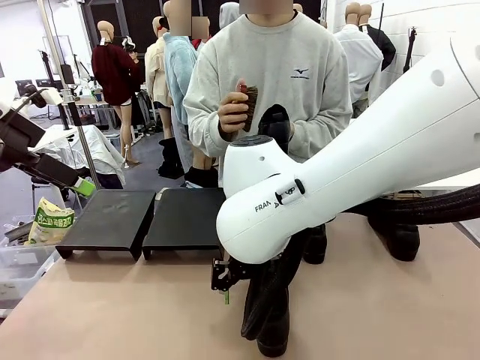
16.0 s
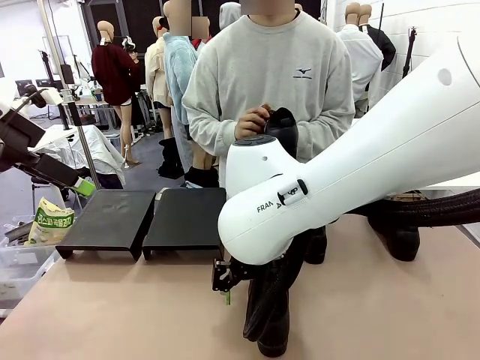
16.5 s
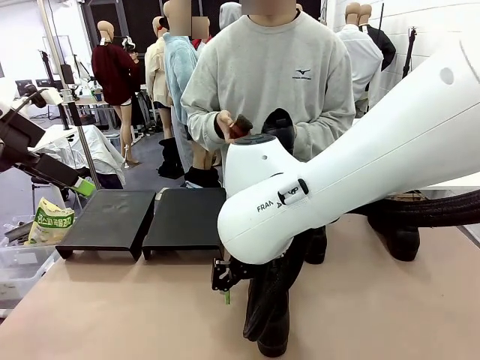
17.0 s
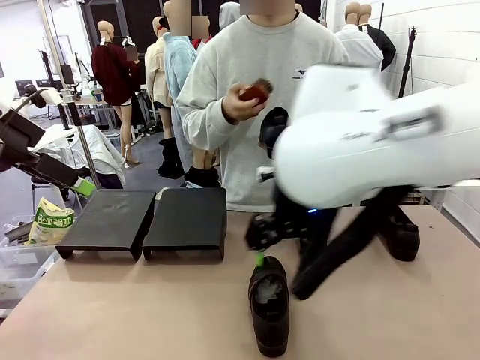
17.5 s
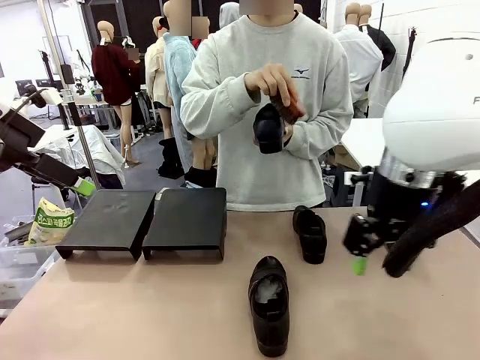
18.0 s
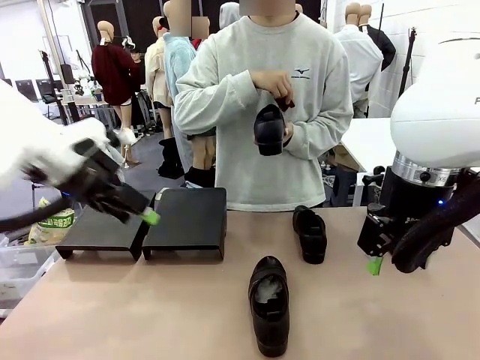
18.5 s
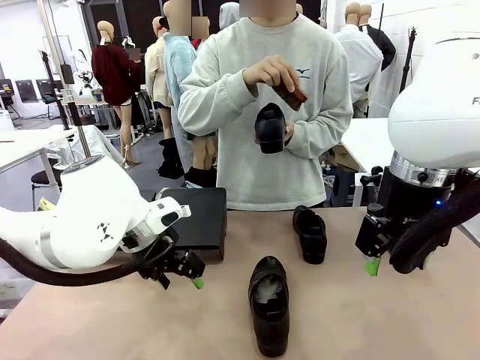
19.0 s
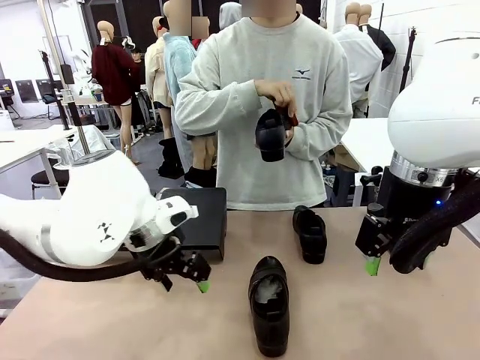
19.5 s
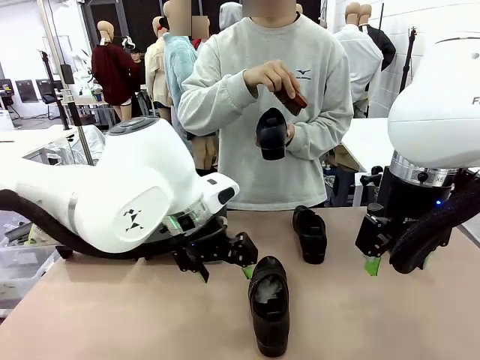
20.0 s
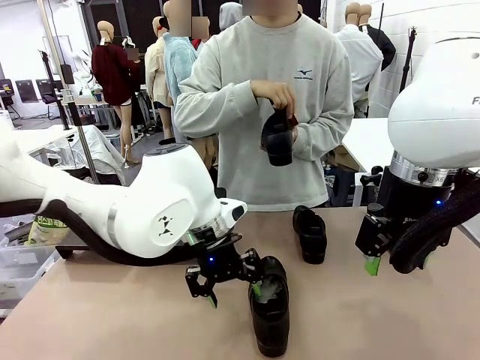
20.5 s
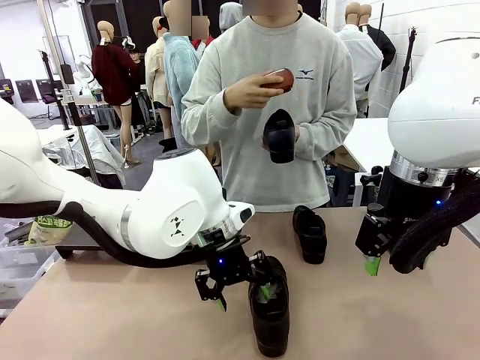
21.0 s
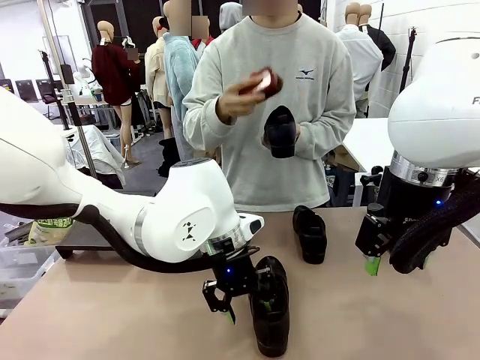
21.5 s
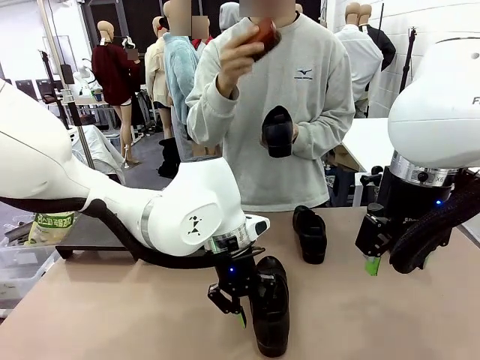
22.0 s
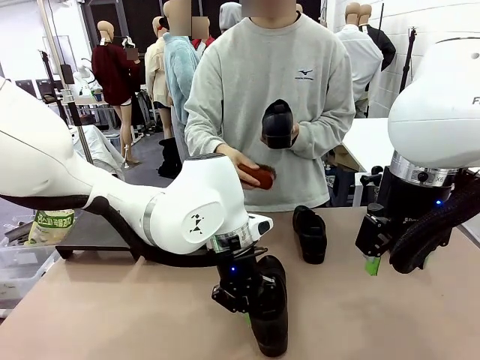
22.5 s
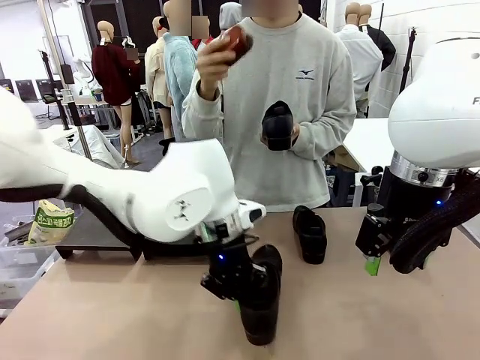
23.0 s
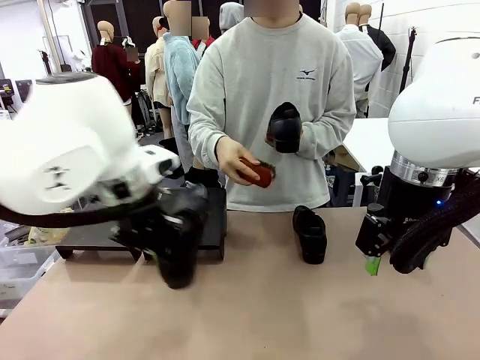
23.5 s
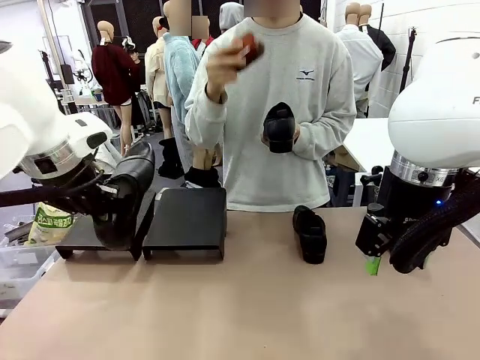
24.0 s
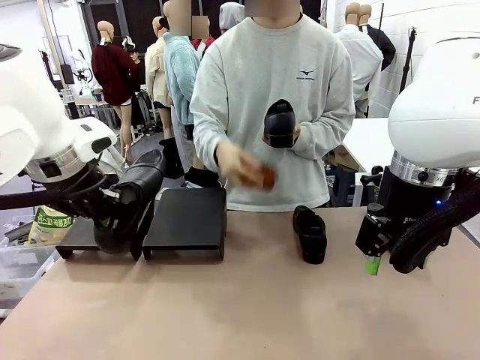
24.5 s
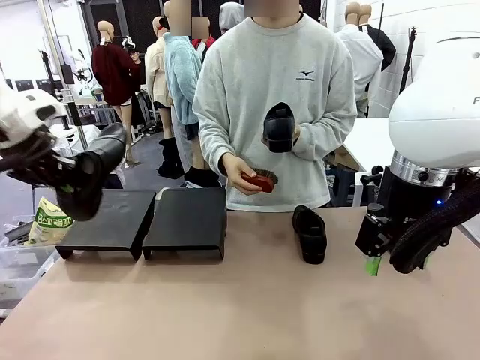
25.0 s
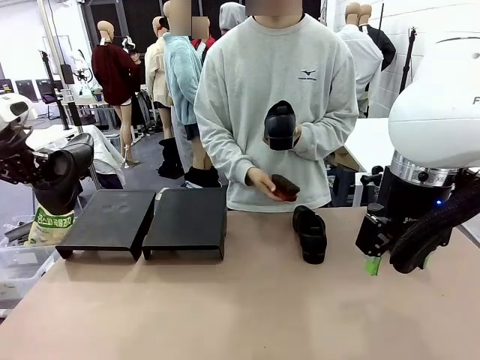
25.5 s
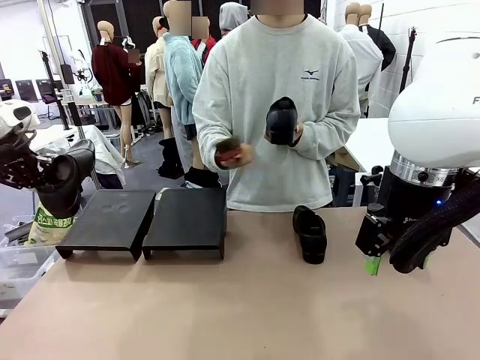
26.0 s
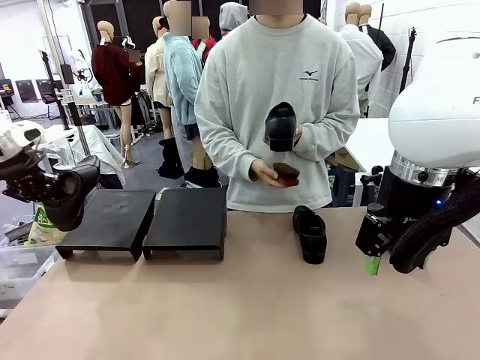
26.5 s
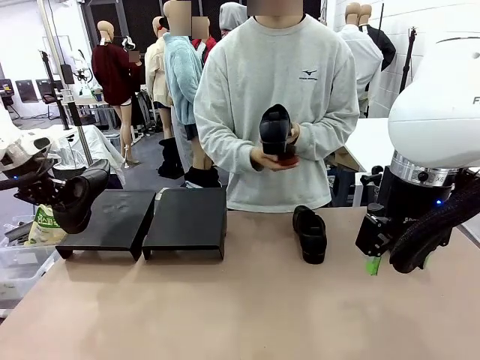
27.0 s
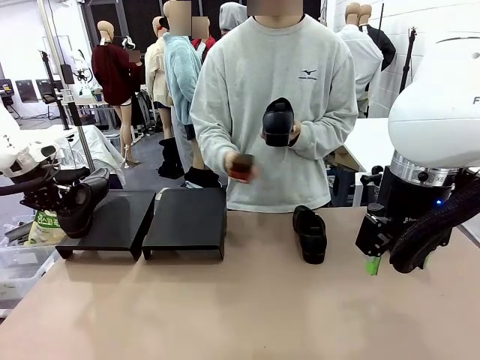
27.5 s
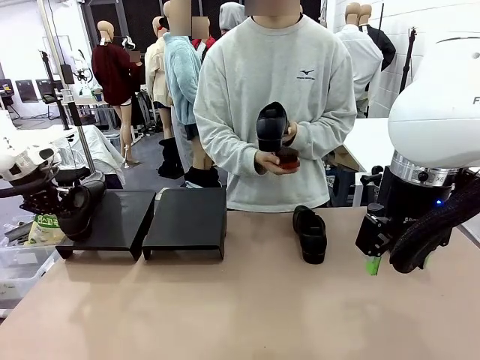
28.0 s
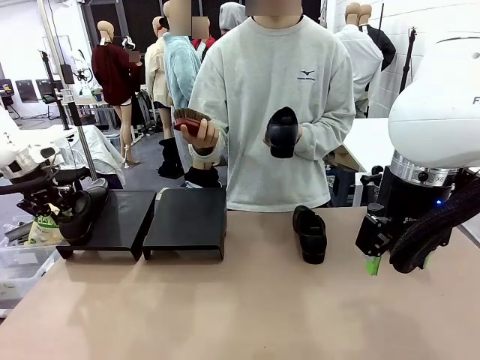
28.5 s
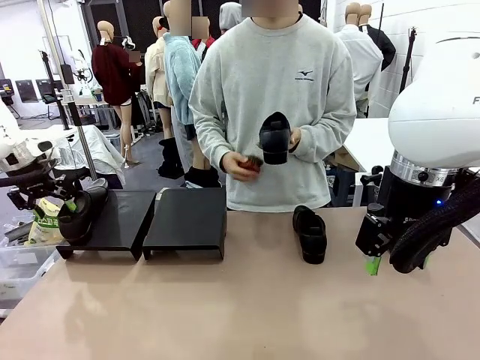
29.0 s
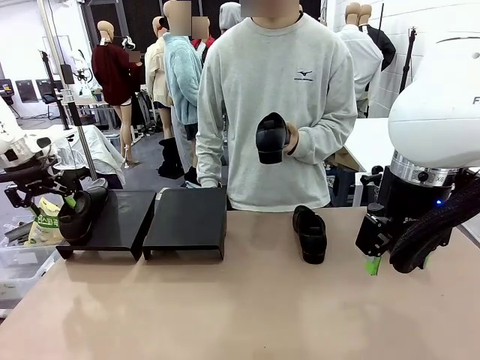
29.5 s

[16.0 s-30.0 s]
Task: Organize the shoes by placing them on the stand.
Robot: Place the Shoe from the middle of the table onto the Shoes Stand.
Person: Clean the Shoe with the Shoe Brush.

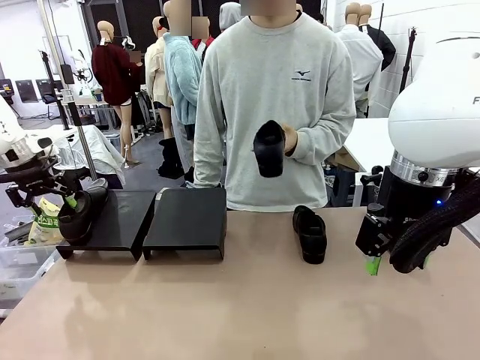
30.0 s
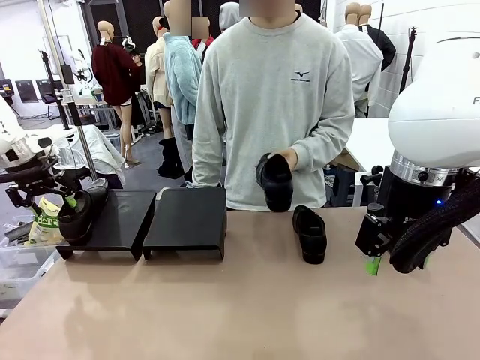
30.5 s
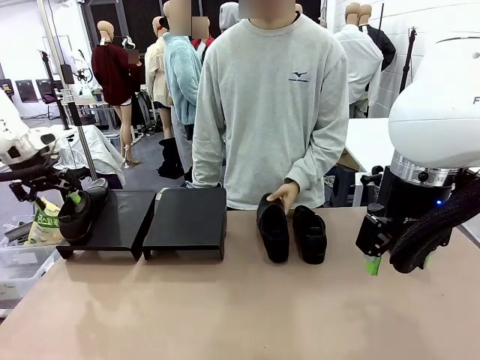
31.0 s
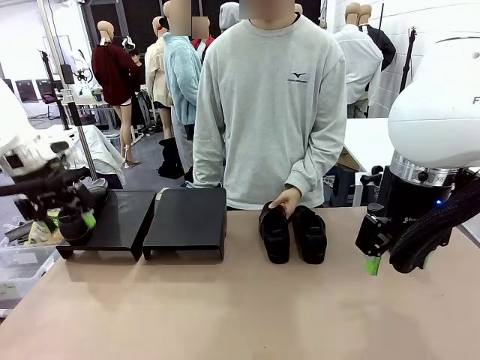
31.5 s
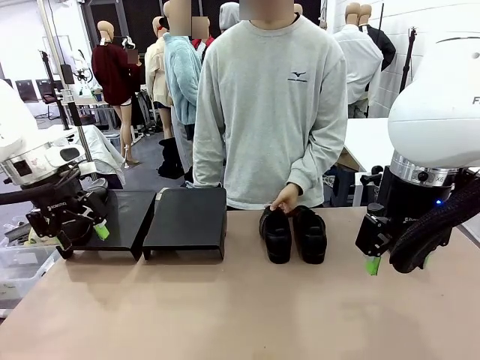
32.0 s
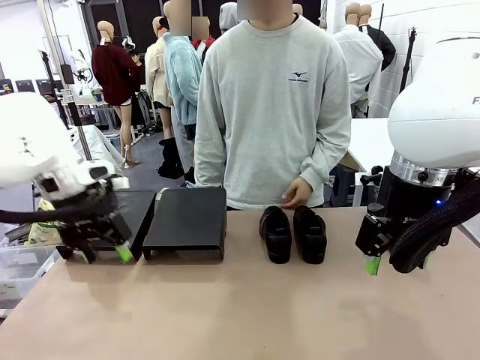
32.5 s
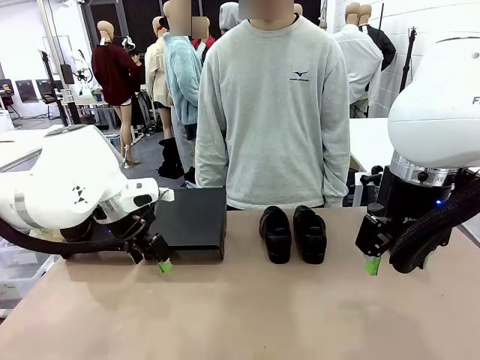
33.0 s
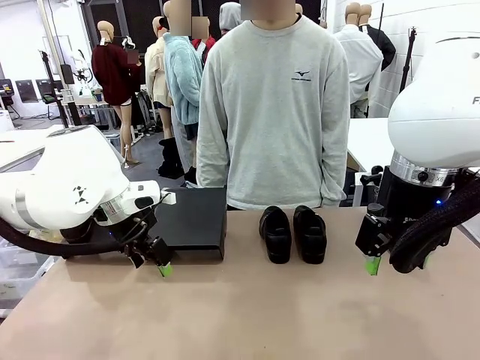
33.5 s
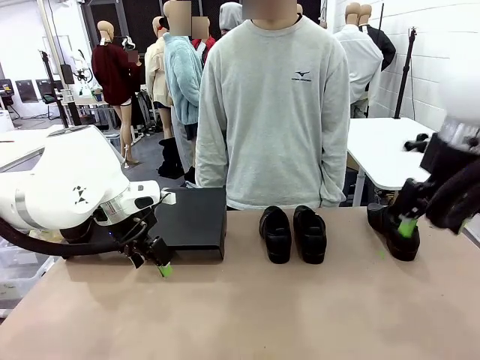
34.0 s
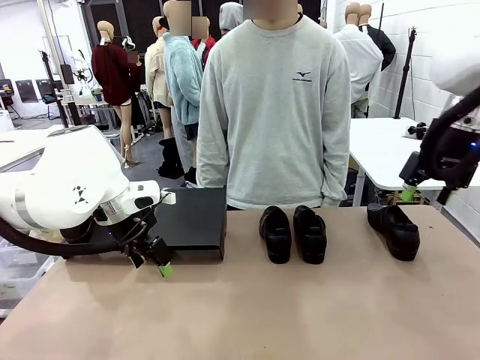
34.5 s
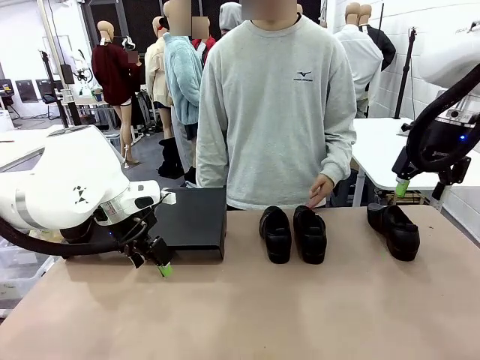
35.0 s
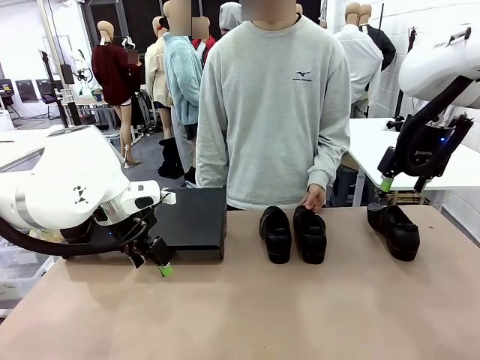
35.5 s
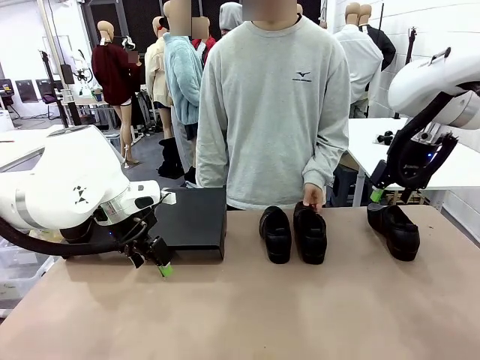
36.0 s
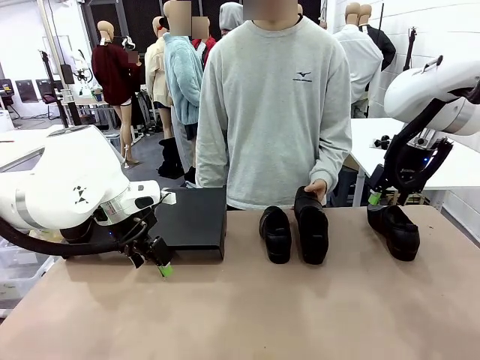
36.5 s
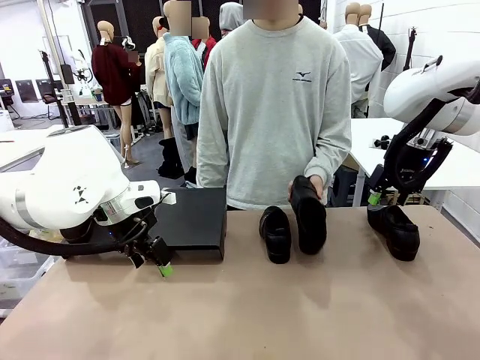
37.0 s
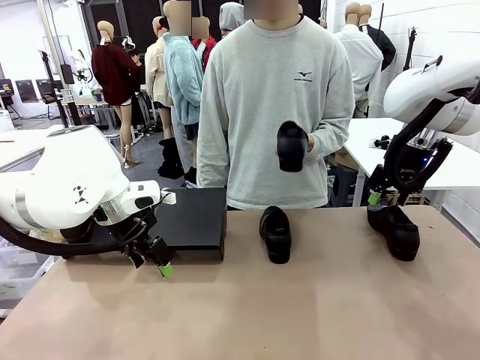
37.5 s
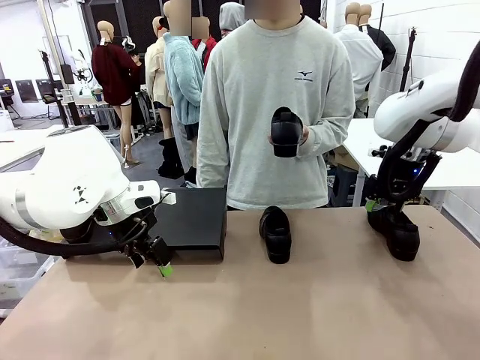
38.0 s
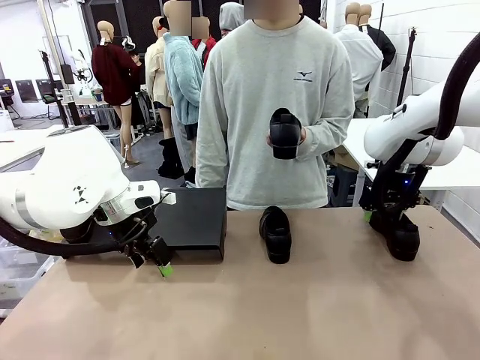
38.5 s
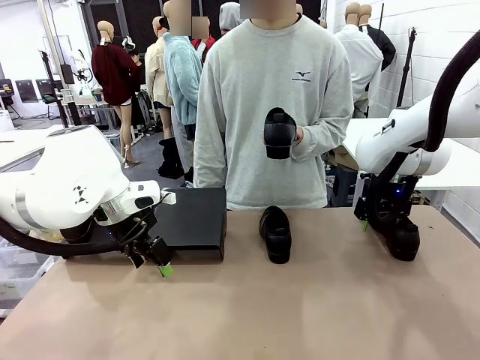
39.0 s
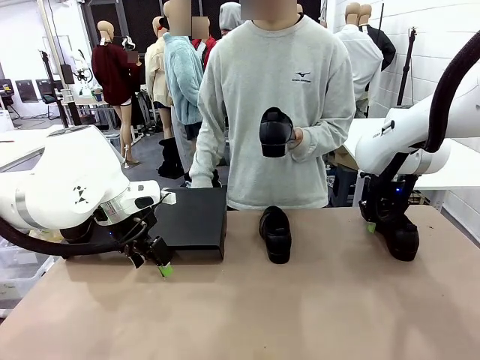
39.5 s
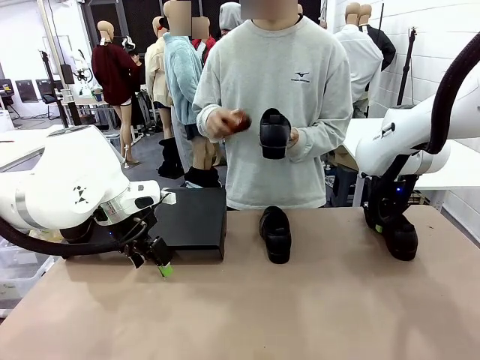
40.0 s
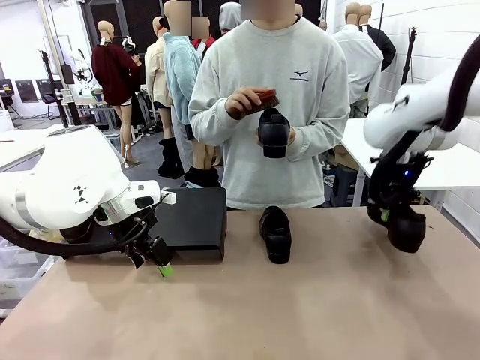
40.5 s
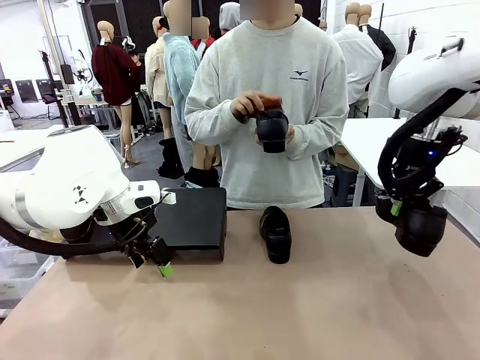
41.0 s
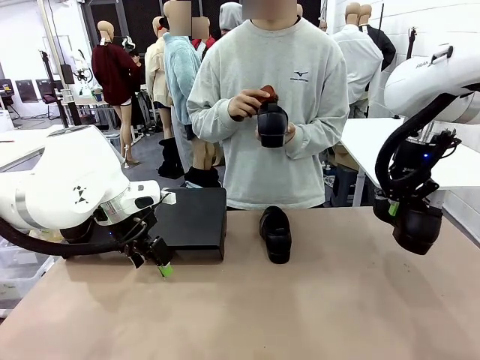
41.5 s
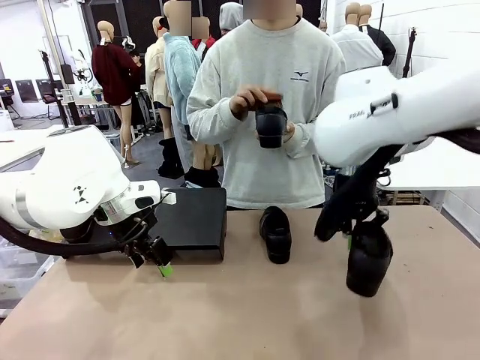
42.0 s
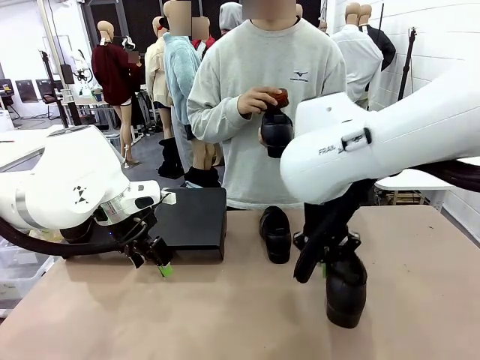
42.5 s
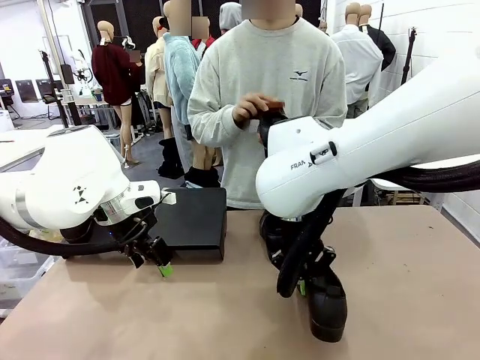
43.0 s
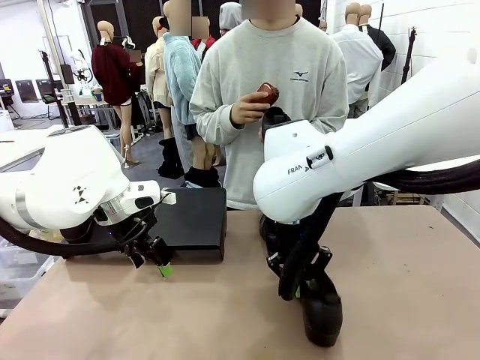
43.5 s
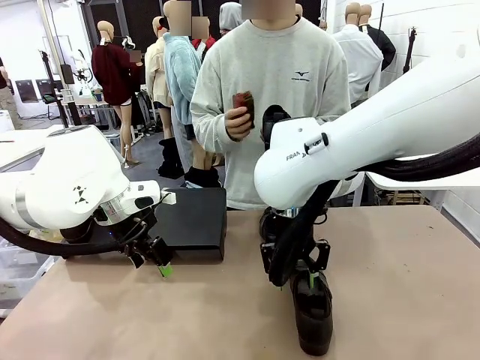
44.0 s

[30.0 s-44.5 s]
Robot: Pick up one Shoe and place it in the middle of the table.
Person: Place the Shoe on left side of the Robot's table. Pick one Shoe on Robot's table.
